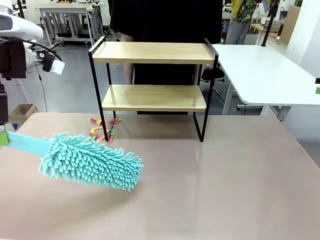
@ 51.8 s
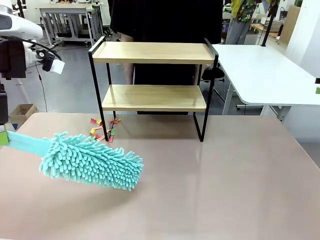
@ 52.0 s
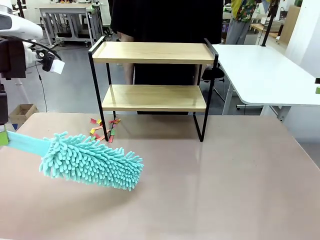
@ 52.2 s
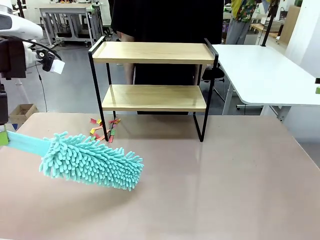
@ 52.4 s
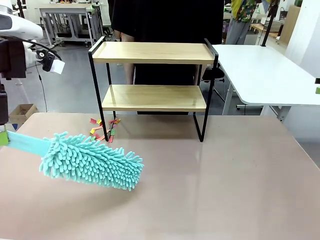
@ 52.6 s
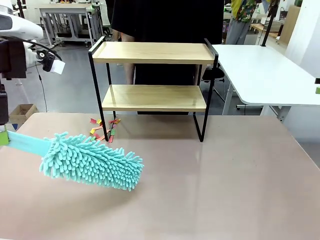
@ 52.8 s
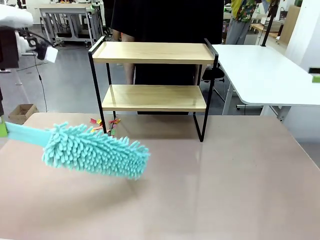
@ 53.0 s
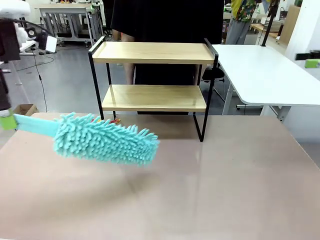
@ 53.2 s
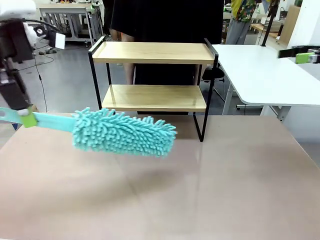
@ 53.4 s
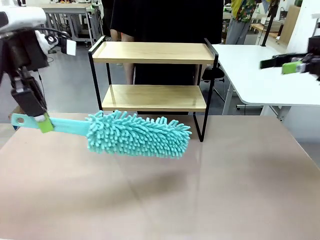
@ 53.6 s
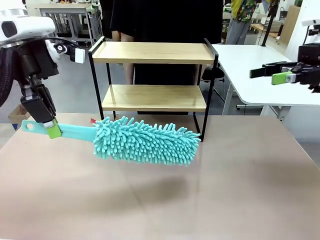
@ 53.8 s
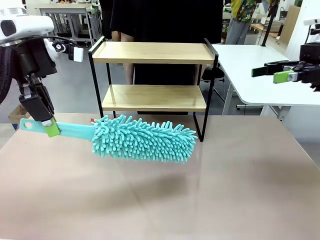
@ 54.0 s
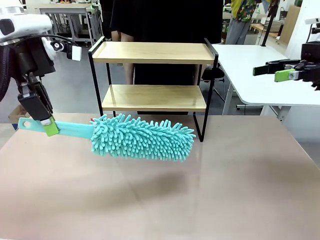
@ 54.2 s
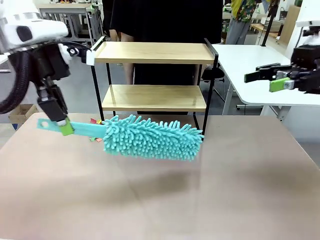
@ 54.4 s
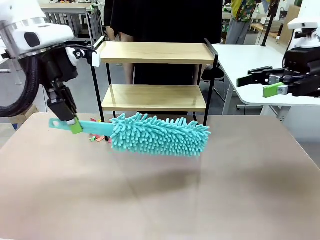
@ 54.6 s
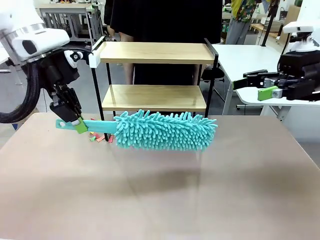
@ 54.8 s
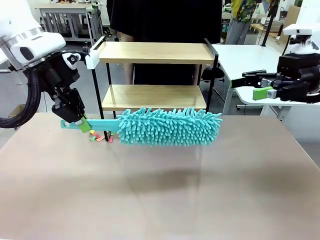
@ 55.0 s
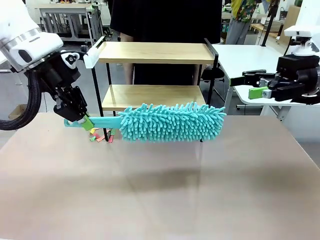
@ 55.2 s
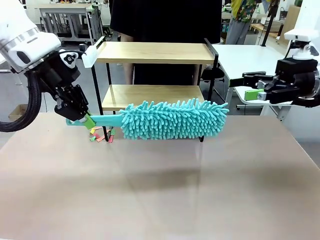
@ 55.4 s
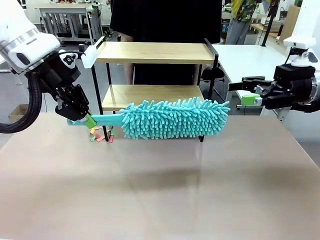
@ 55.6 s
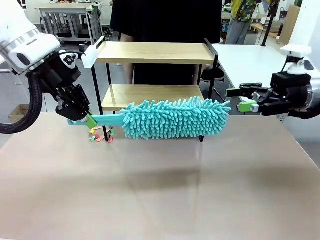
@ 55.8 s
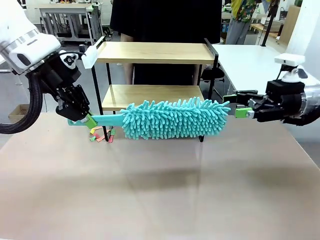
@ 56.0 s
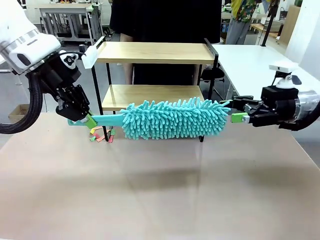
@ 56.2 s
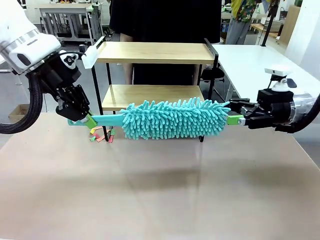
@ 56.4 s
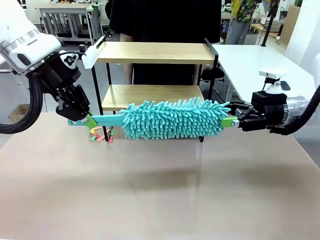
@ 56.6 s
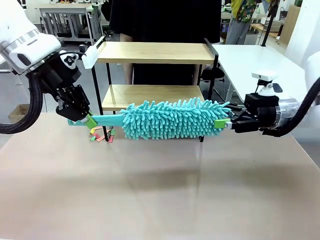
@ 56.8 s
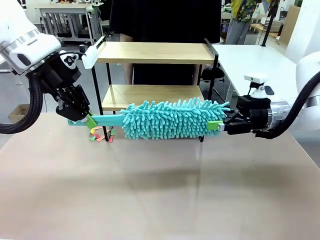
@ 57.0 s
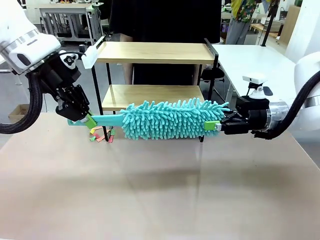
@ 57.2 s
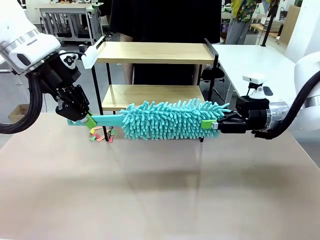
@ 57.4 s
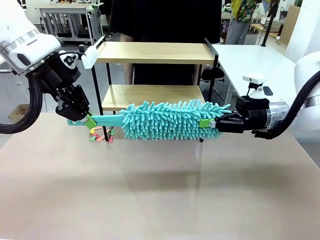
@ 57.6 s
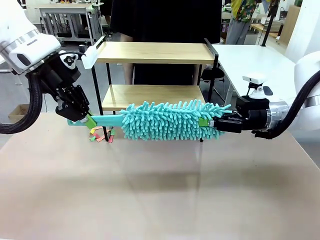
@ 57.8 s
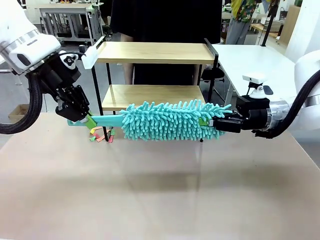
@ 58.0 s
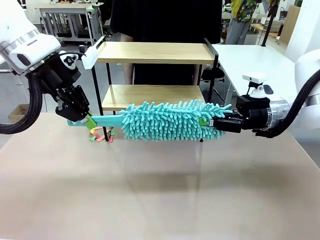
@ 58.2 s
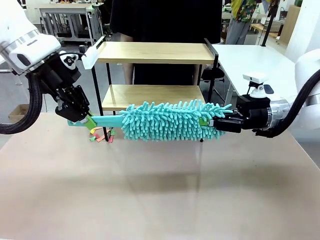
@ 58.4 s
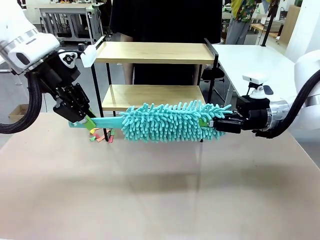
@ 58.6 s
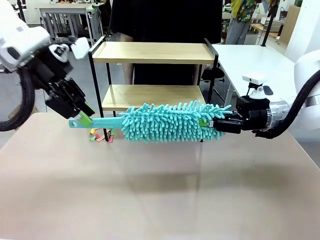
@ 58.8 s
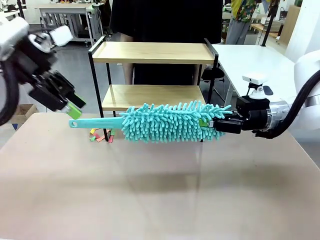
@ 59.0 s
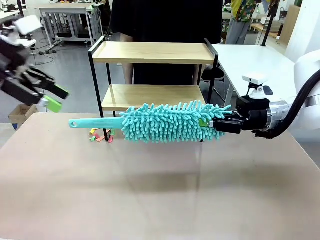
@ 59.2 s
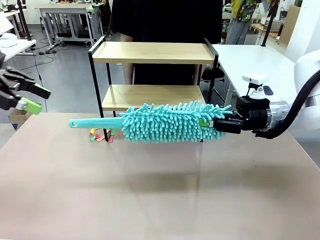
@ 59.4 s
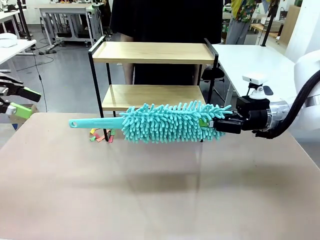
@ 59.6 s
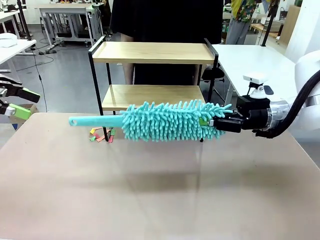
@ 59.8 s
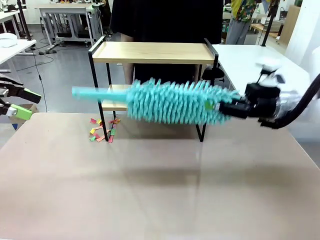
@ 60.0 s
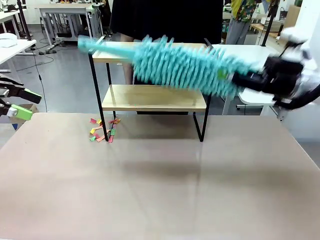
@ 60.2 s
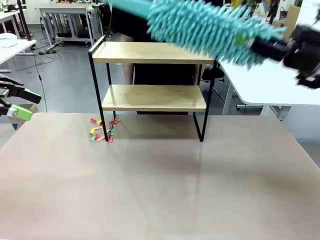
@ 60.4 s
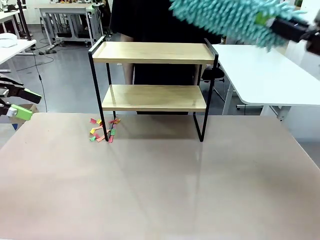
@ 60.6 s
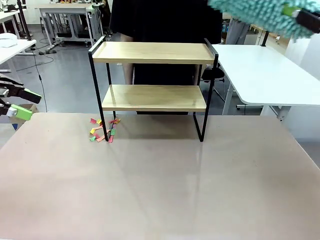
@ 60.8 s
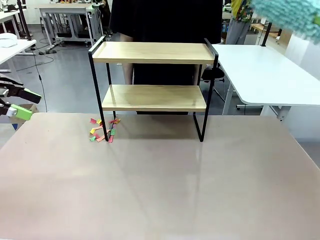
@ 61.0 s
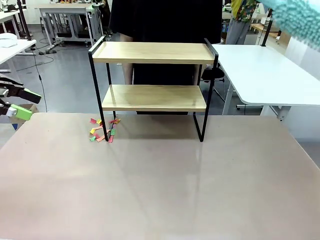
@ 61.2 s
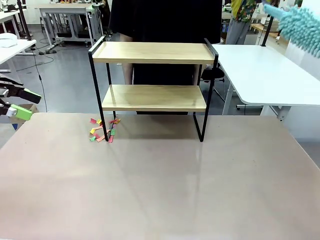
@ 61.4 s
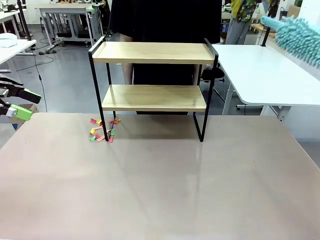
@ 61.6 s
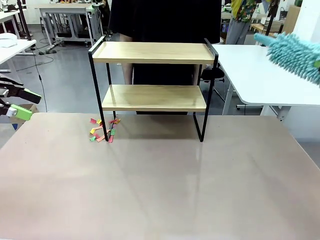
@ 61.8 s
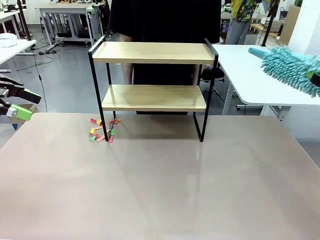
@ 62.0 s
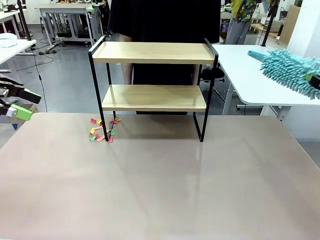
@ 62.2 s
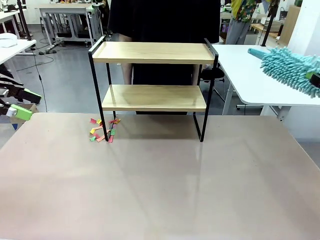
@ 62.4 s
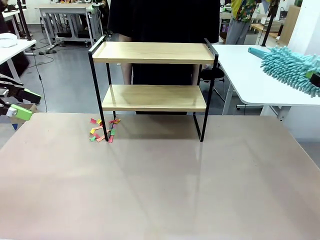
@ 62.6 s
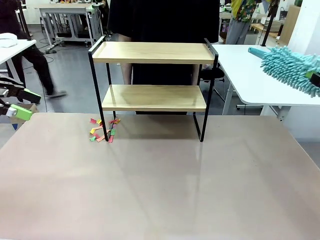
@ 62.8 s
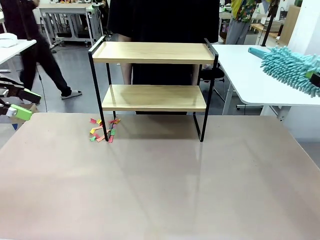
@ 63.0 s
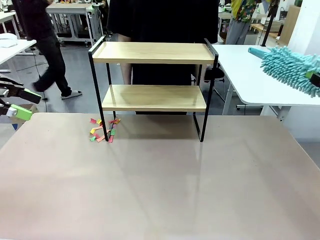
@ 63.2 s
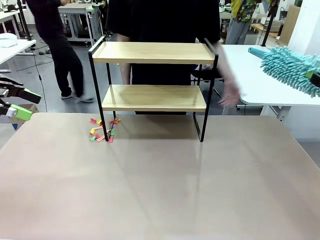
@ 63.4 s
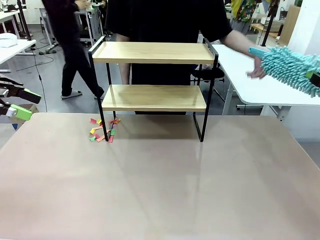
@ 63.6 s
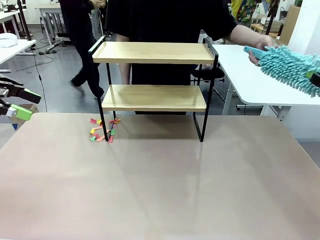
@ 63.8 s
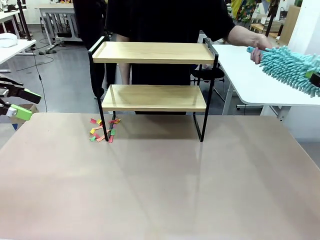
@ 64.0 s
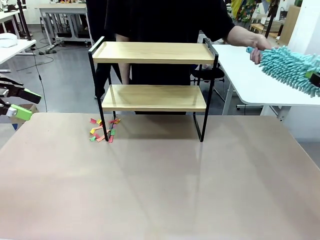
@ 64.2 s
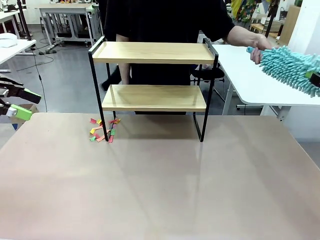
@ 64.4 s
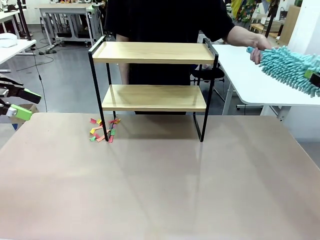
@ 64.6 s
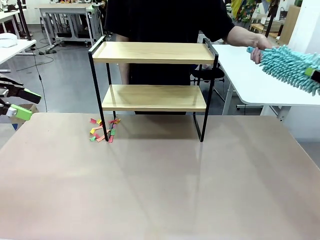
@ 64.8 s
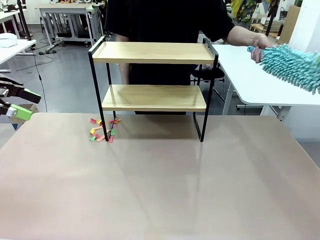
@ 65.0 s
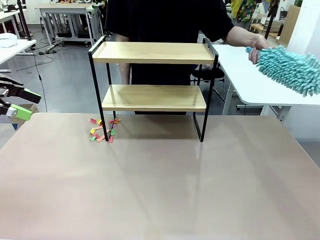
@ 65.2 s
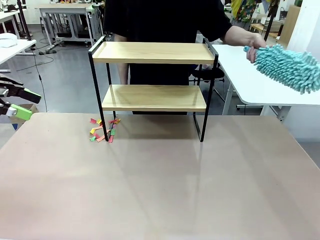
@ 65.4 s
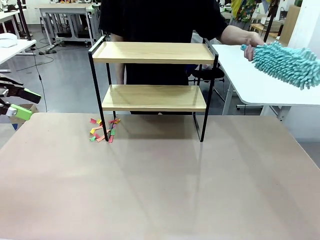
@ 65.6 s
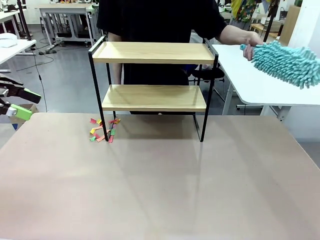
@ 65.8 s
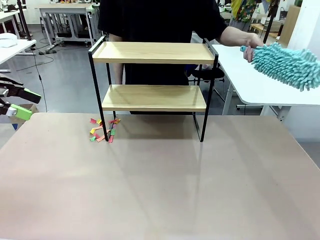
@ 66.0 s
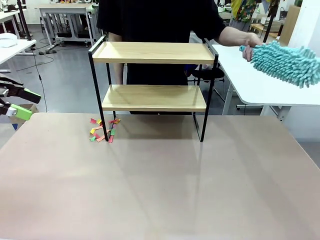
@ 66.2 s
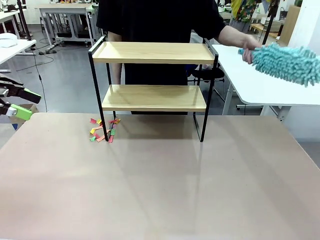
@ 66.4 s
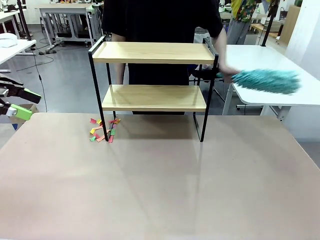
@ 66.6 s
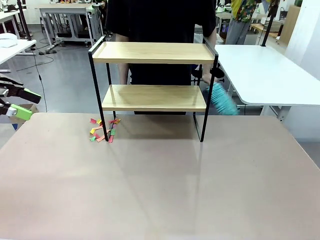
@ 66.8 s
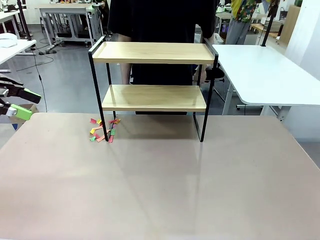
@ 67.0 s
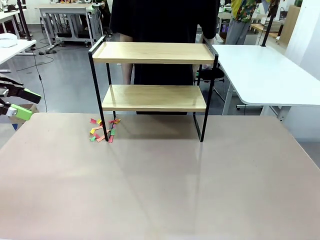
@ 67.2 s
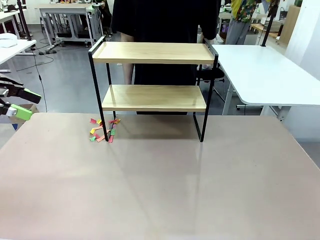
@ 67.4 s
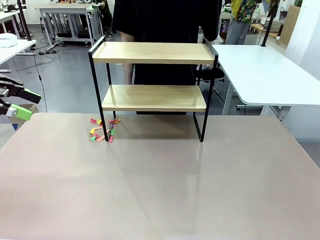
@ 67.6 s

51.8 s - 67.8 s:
Task: Clean the shelf.
Robot: Hand the Duster back to the human.
Person: Receive the Duster from the robot.

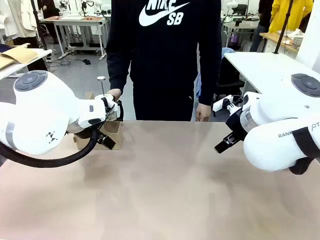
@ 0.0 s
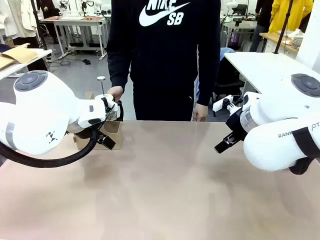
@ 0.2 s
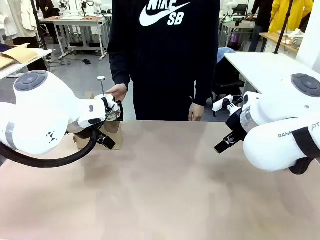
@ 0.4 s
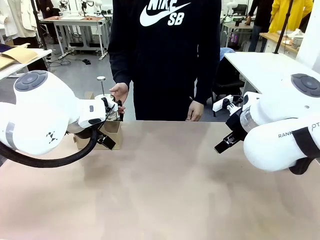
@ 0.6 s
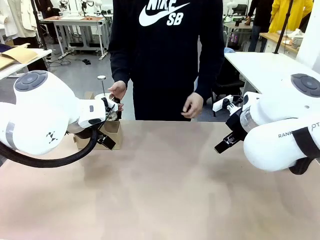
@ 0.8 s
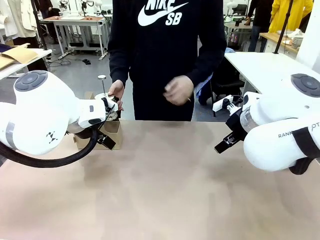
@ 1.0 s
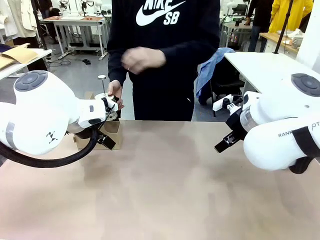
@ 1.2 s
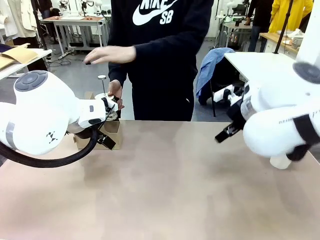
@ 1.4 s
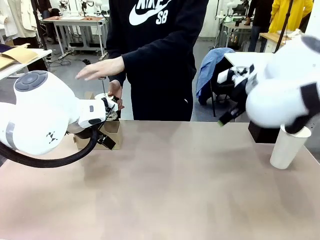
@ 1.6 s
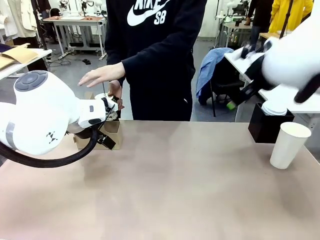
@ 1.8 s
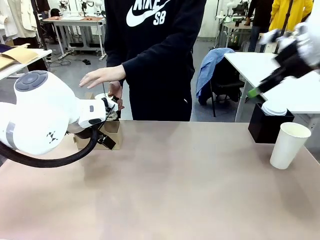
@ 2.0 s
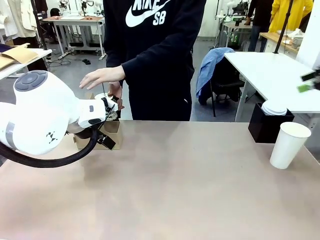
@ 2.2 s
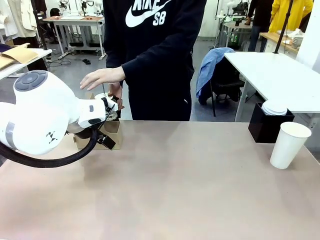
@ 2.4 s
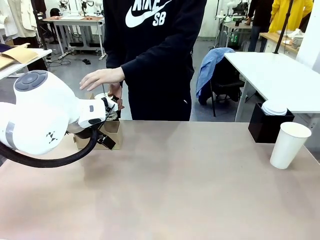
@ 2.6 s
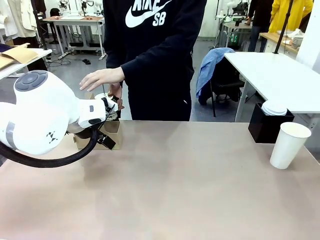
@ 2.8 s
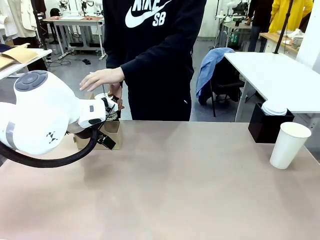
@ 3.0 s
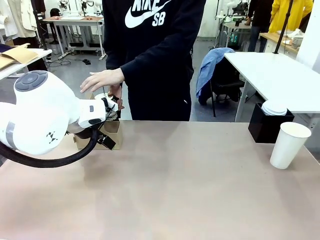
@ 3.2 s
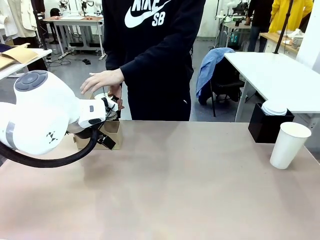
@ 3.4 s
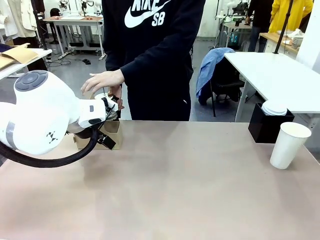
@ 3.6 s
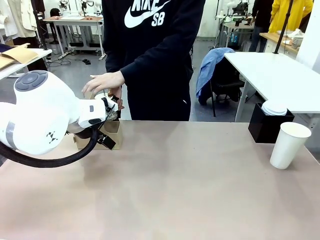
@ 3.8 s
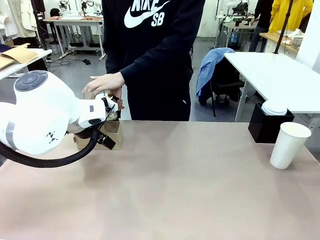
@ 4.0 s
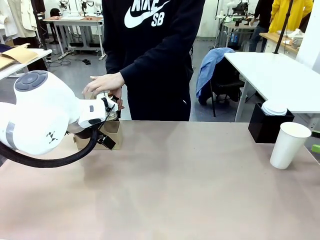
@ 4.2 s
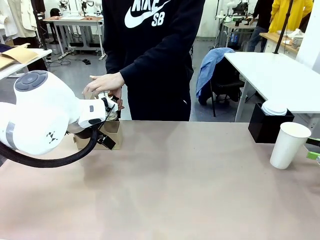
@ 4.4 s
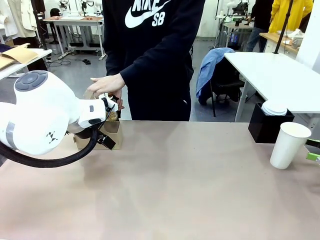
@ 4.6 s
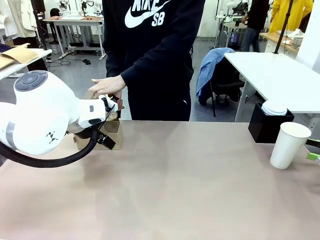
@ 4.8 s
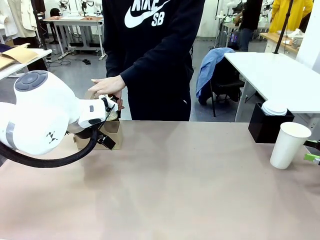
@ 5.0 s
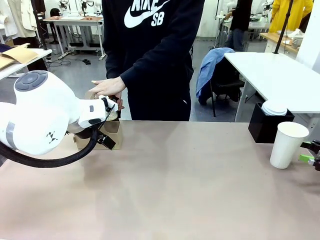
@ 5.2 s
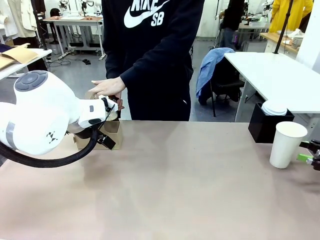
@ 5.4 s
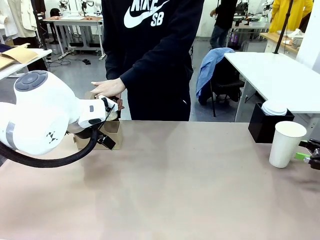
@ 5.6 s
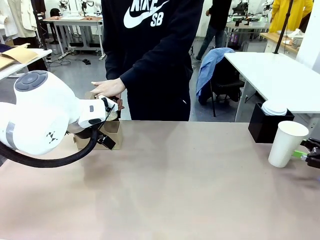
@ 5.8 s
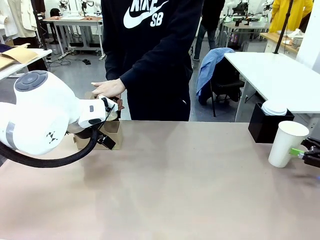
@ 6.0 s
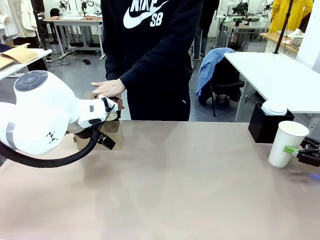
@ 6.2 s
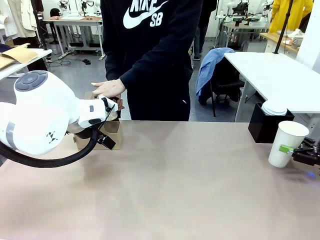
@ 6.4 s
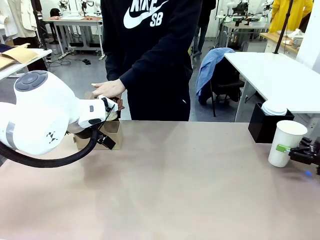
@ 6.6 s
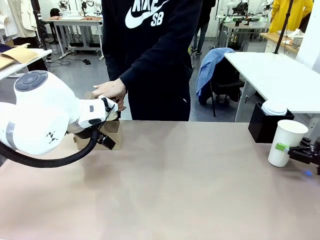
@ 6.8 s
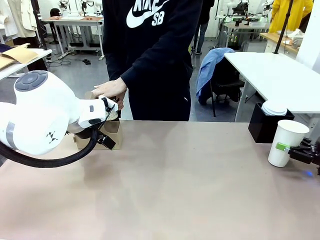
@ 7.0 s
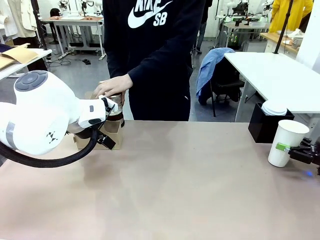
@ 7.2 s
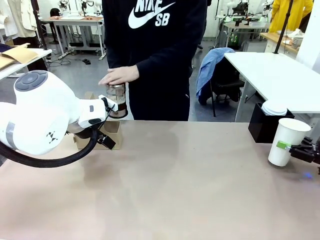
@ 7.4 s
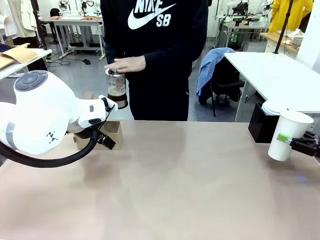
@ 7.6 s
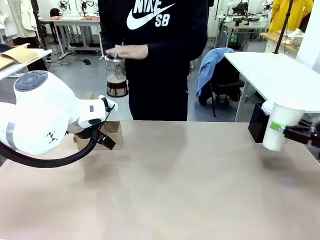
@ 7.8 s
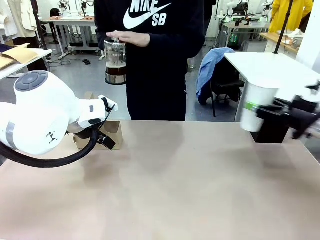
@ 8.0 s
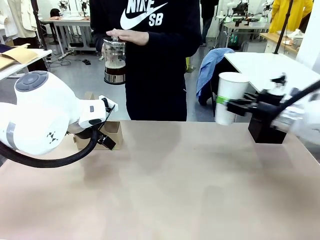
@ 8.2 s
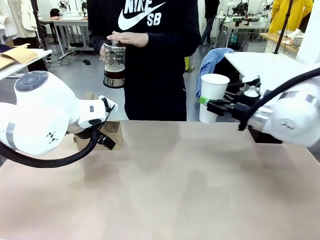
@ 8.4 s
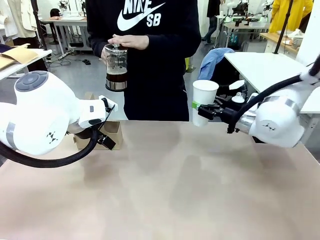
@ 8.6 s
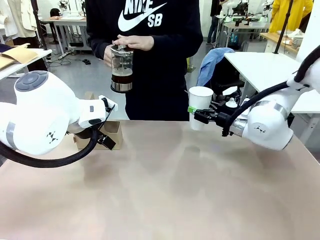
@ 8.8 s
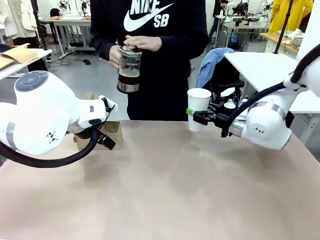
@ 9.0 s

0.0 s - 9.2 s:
Task: Pour a drink into a cup and package it in a carrier.
Robot: Pick up the 600 ml Paper Cup and place it in the middle top area of the table.
Person: Press and pick up the Filter Brewing.
